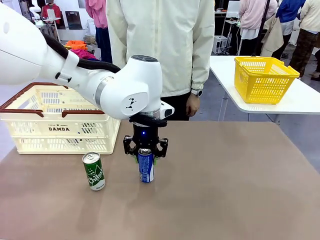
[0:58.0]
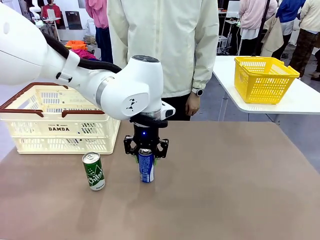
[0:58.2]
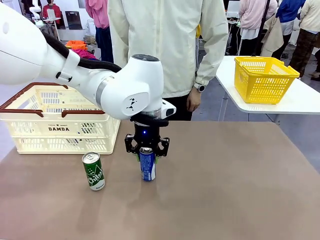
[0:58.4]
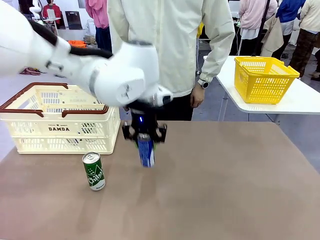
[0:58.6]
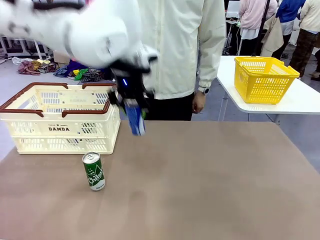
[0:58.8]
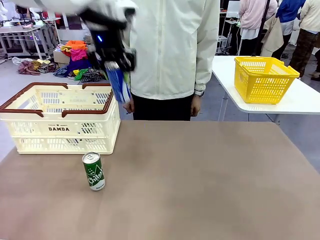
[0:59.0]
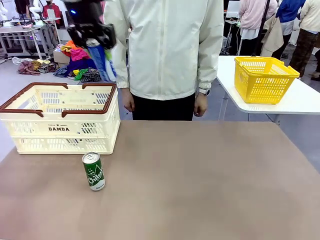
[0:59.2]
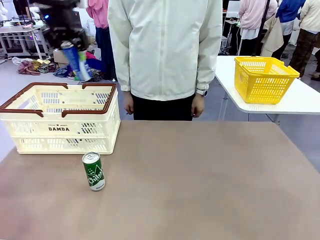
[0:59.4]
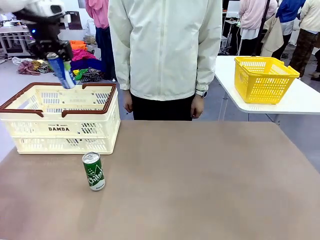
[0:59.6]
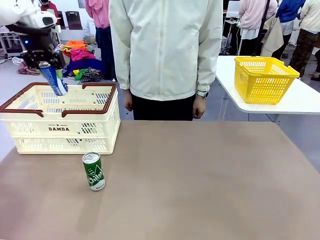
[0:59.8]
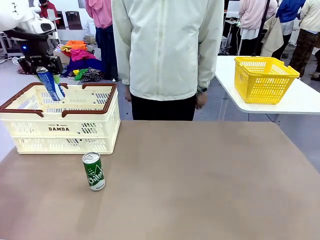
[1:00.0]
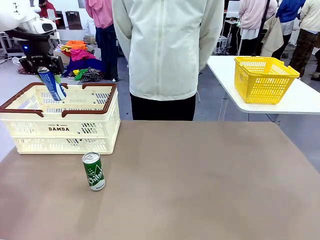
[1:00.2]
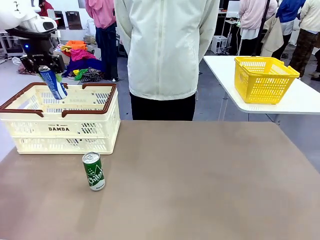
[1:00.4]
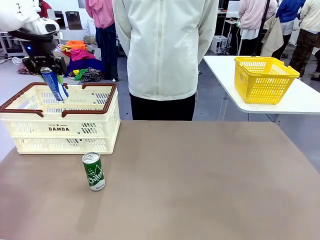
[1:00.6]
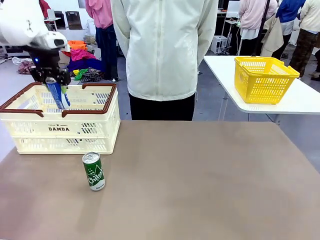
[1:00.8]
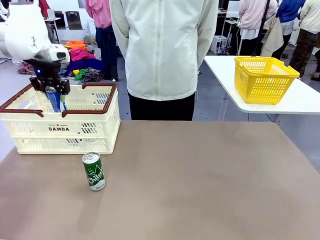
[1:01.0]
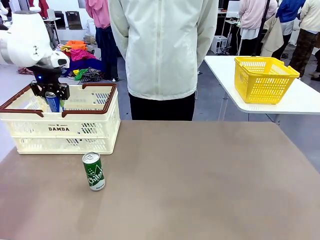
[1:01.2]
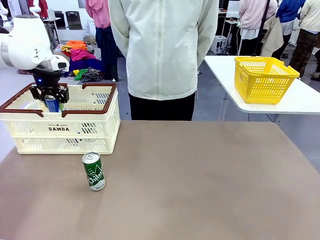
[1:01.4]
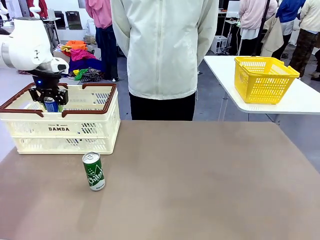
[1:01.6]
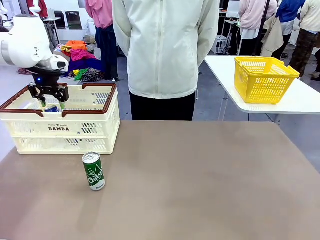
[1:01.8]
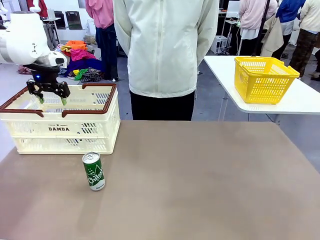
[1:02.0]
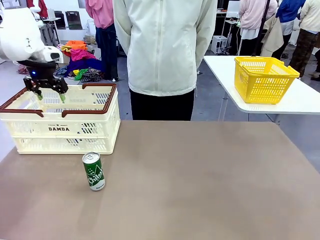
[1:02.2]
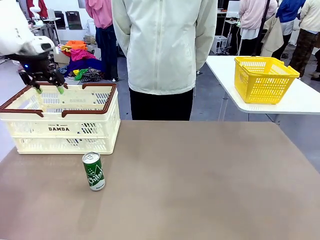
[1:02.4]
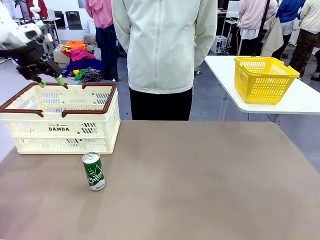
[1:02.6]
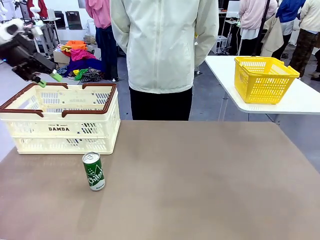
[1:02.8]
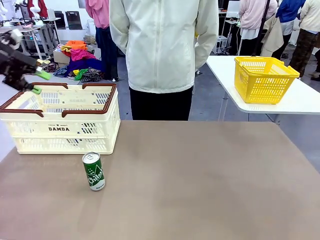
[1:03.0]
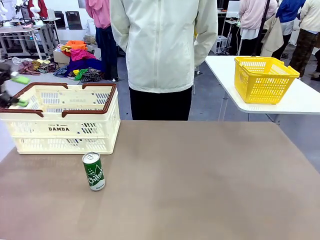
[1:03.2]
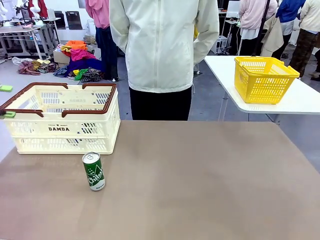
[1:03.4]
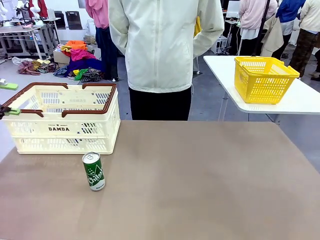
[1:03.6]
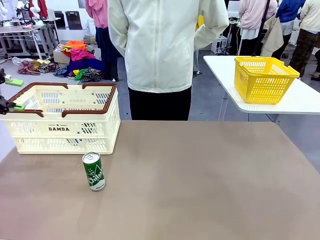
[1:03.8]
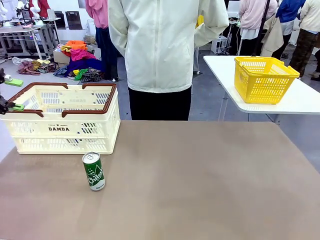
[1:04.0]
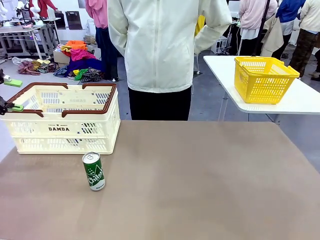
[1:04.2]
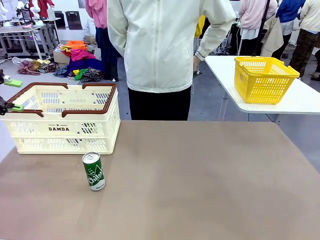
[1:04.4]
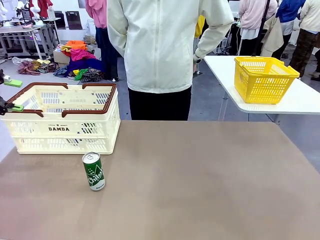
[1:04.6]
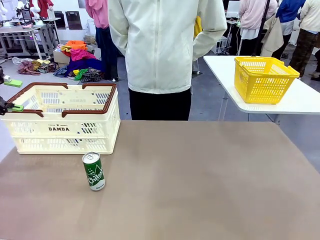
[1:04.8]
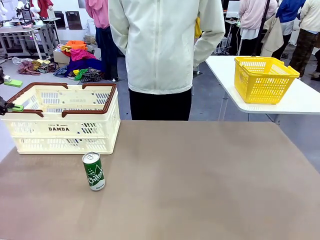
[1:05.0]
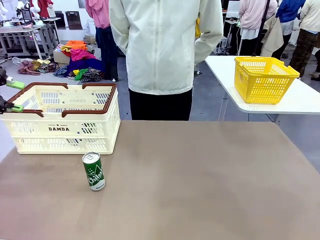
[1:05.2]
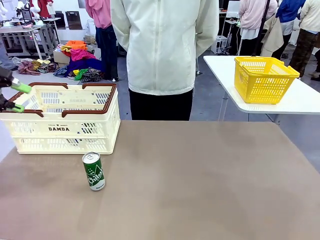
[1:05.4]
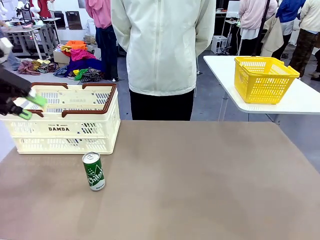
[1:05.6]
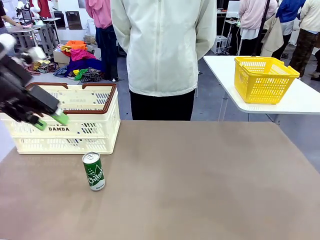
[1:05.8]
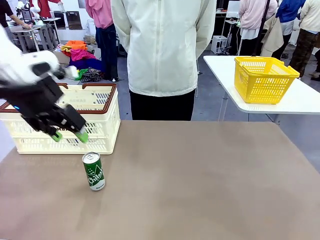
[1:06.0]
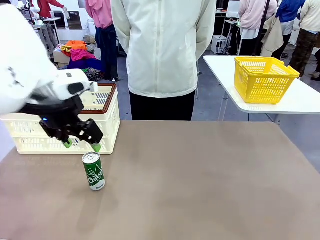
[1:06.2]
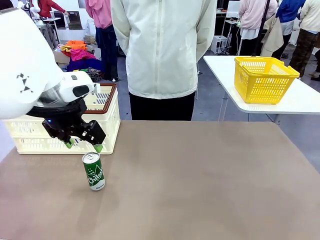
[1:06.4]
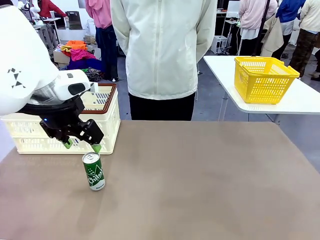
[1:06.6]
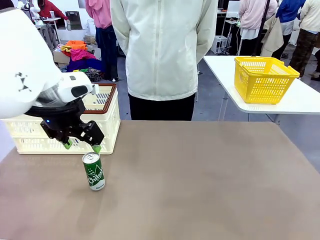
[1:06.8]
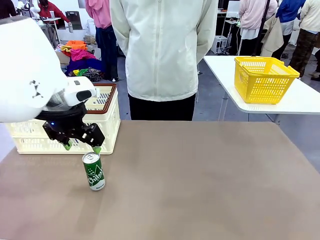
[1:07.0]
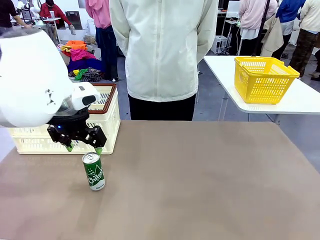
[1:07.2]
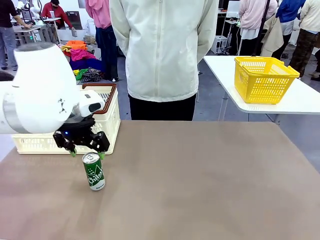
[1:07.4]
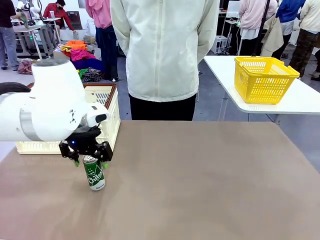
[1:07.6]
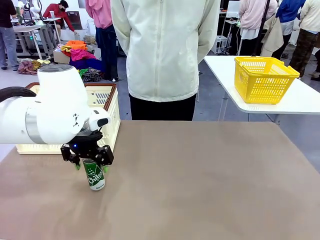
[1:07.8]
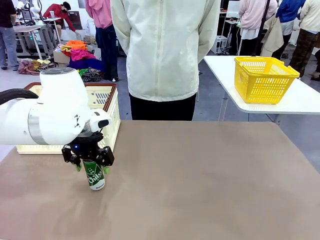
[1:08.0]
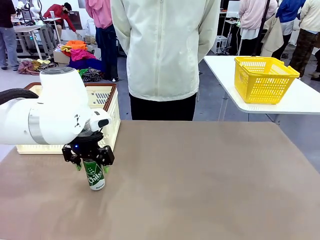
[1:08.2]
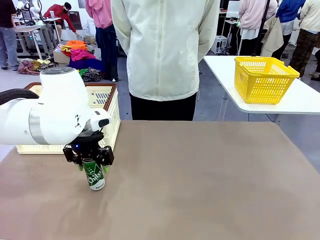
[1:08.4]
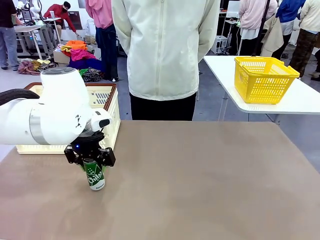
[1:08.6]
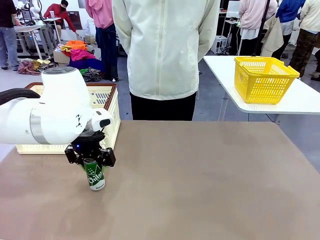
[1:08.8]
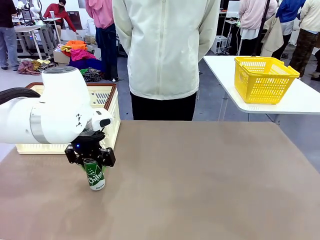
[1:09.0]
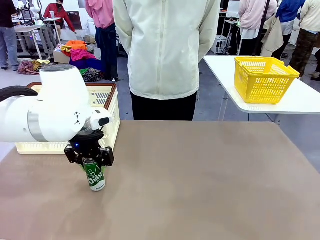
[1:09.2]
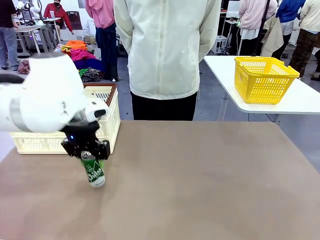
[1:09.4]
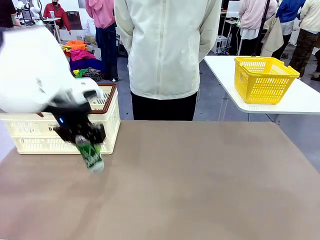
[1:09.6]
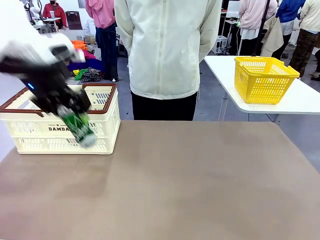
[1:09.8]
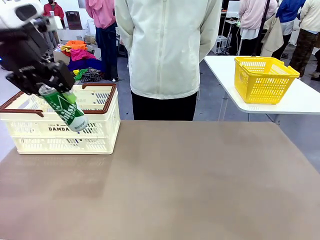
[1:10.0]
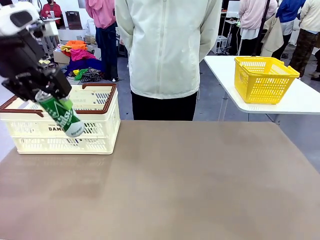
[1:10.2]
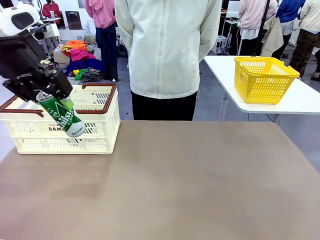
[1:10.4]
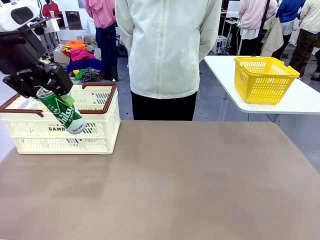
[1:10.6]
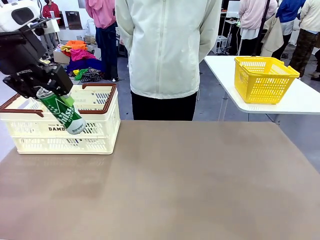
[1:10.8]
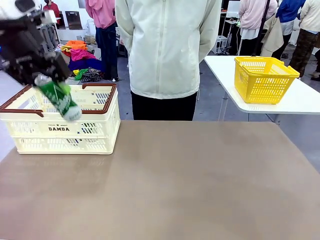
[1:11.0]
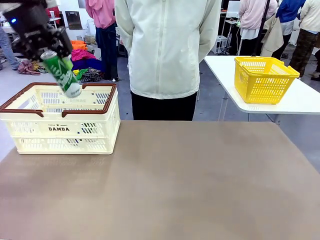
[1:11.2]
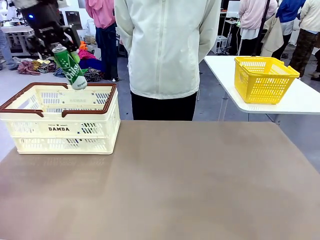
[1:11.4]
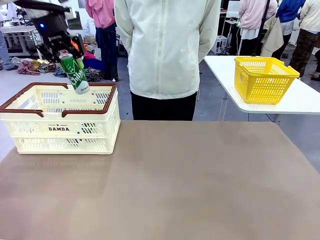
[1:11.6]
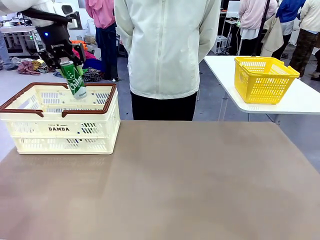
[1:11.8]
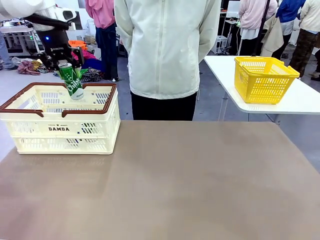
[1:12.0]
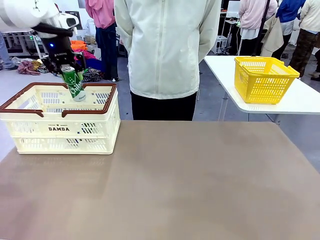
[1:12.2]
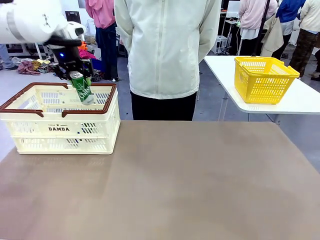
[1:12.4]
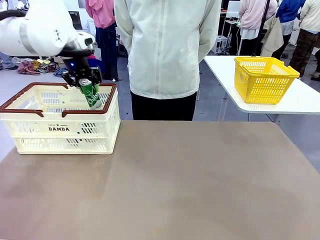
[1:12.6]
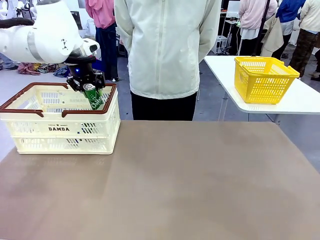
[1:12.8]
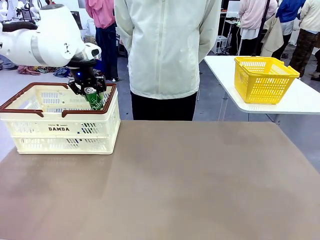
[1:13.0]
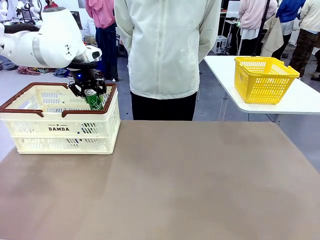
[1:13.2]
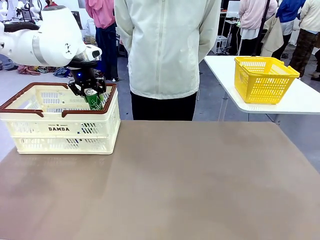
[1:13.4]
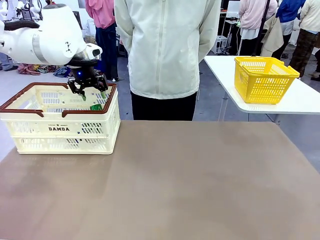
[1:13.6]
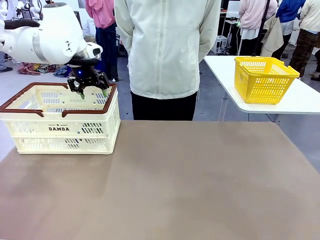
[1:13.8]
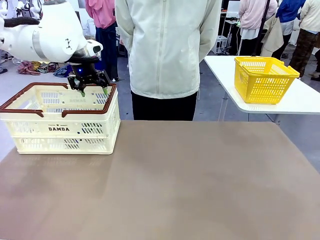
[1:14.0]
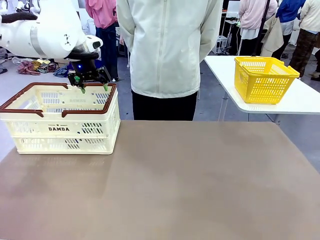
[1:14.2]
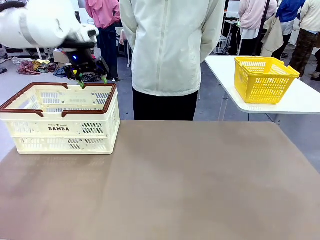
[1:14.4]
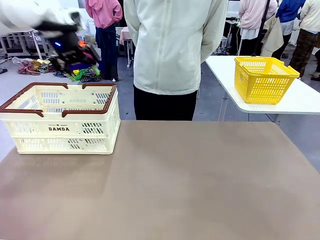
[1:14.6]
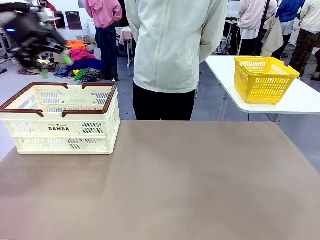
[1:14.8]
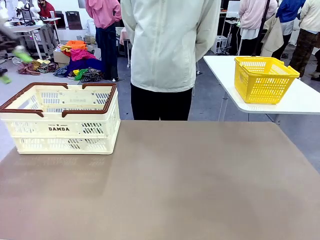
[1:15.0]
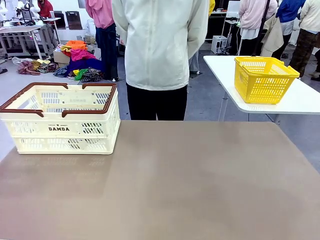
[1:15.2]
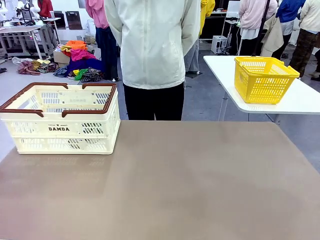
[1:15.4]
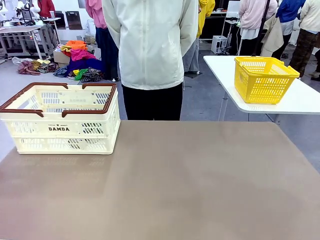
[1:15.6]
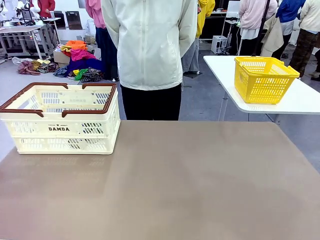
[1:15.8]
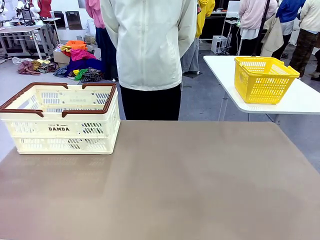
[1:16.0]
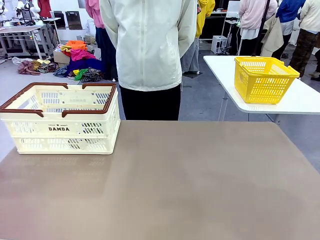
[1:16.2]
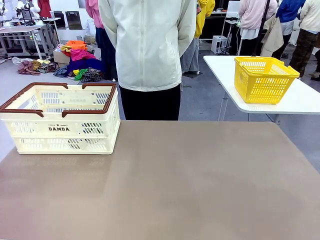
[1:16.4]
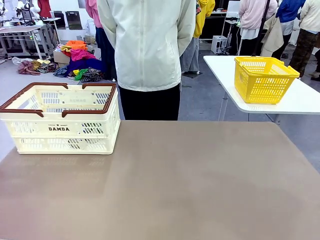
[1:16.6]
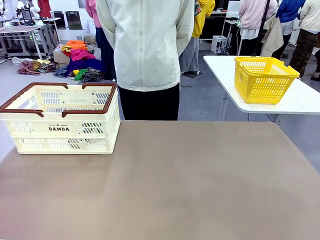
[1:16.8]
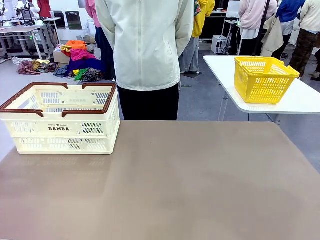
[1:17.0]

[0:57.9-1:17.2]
Task: Place the drinks into the Shopping basket.
Robot: Pick up one drink and place it into the Shopping basket.
